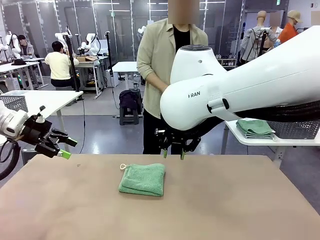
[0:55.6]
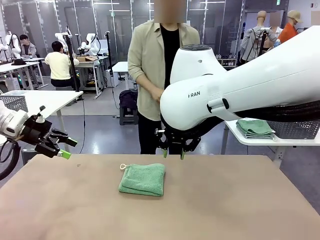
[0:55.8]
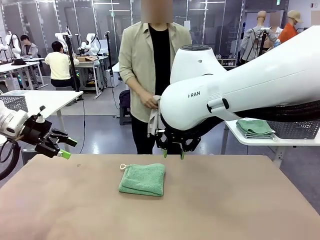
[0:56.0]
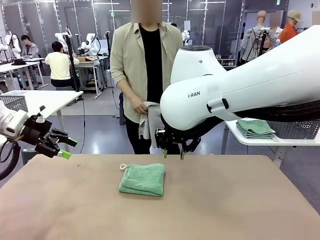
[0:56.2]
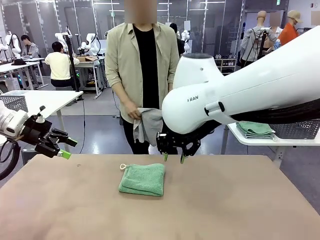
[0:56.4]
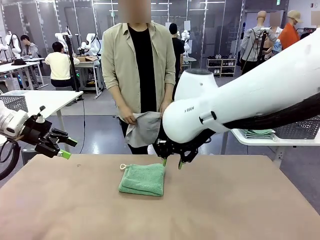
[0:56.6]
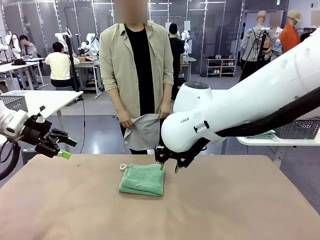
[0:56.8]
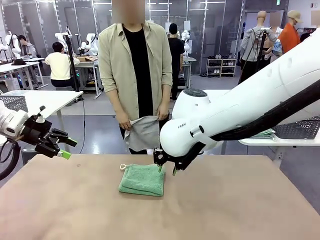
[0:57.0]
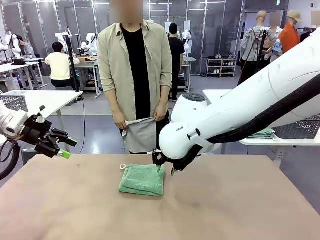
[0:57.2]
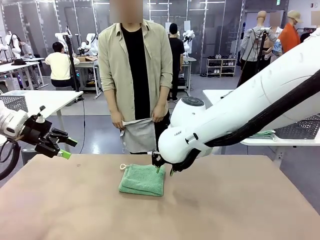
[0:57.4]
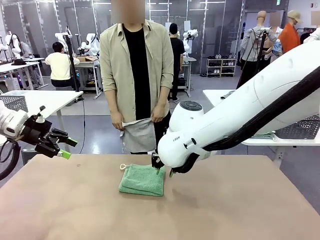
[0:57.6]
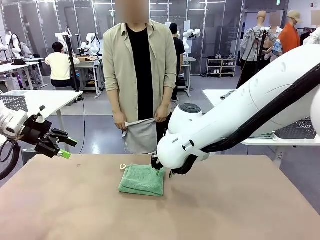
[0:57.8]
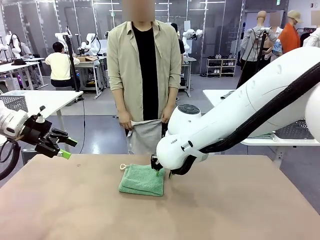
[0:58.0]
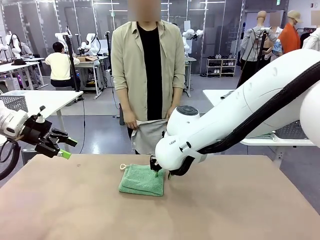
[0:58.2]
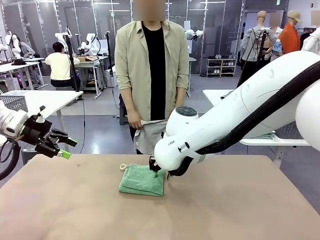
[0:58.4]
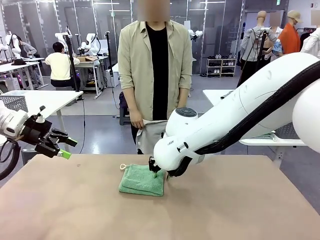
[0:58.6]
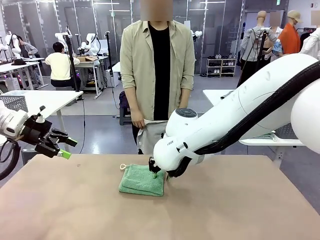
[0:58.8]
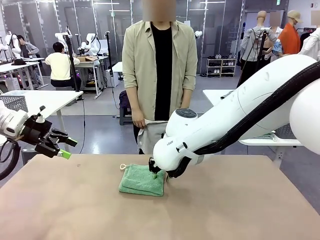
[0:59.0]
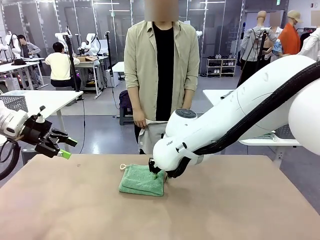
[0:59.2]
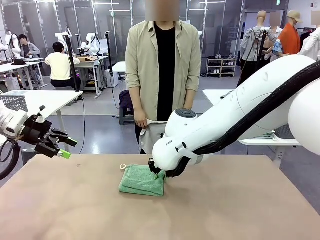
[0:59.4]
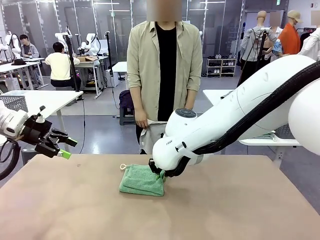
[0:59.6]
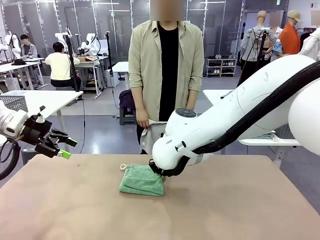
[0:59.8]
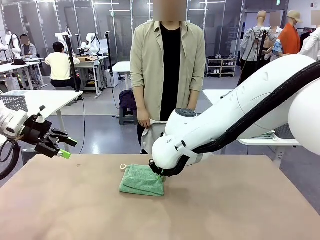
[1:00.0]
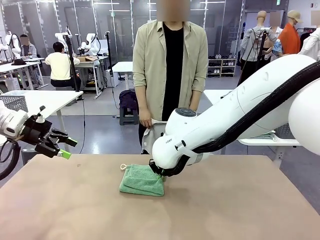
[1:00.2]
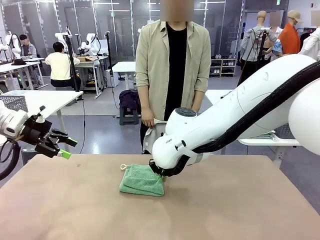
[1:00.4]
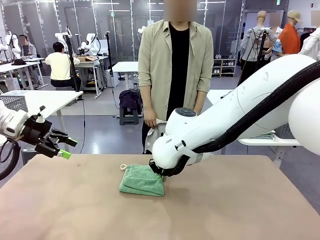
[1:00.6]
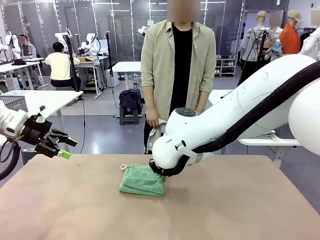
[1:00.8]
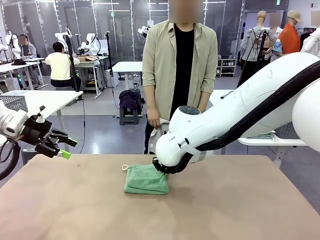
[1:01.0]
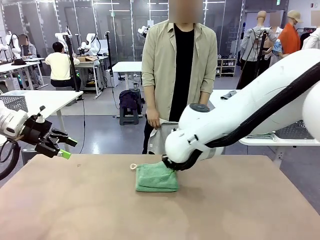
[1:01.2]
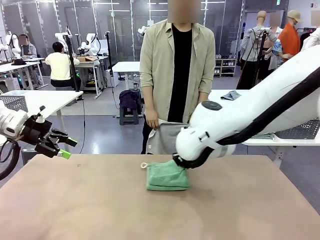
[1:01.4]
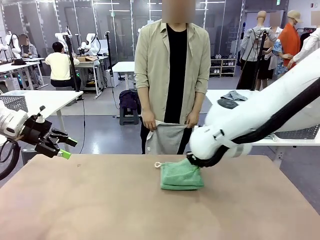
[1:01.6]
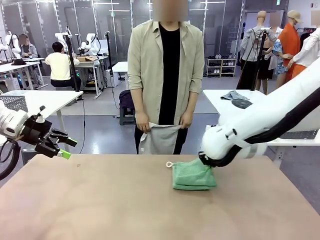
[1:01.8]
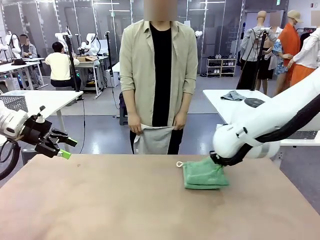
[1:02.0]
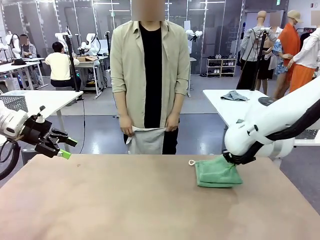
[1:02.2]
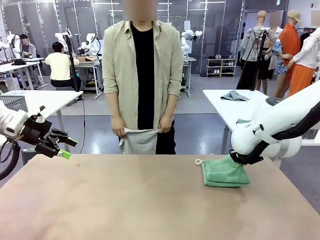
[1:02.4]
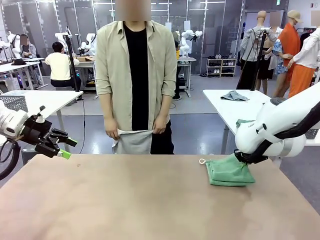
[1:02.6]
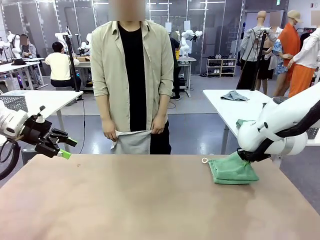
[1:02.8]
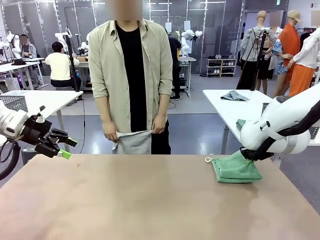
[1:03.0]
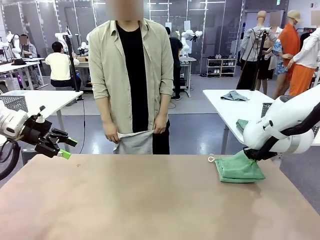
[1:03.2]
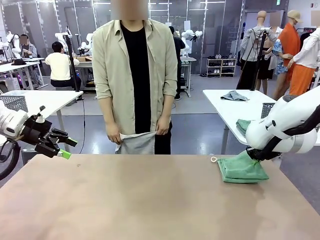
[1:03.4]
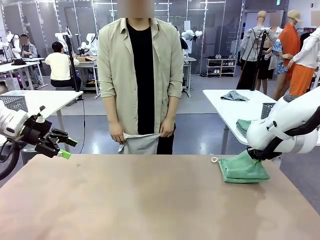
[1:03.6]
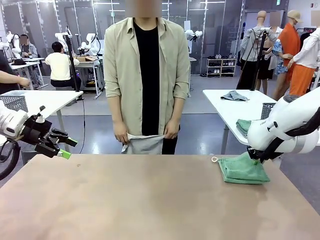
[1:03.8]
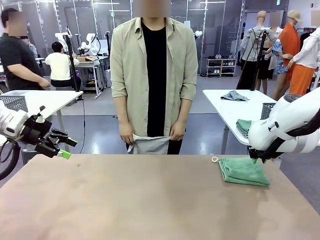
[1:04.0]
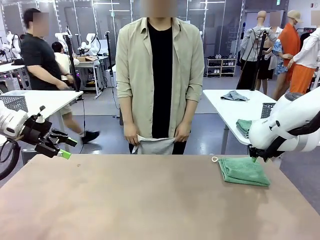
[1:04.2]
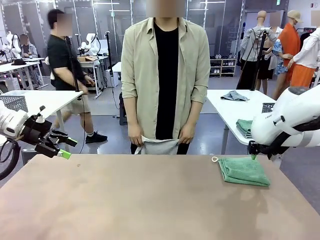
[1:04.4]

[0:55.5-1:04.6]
Task: Fold the towels and place them in the basket.
Robot: Place the folded Towel with hook on the right side of the table.

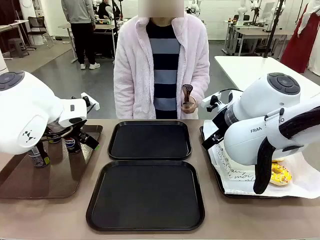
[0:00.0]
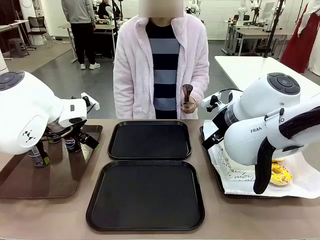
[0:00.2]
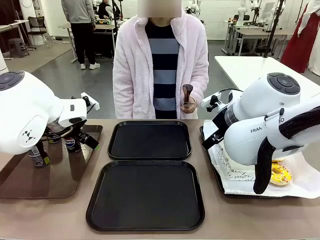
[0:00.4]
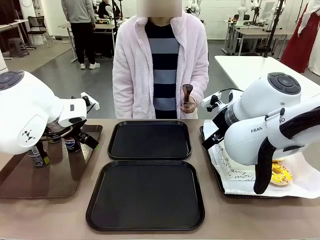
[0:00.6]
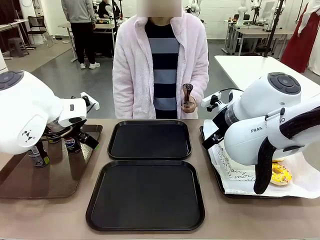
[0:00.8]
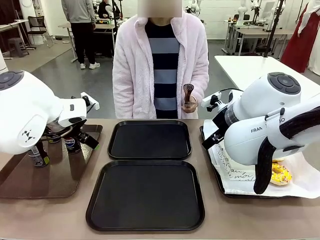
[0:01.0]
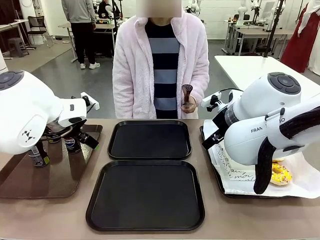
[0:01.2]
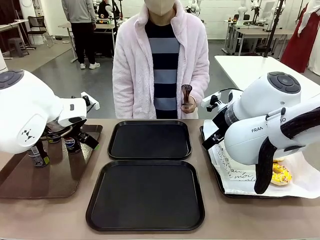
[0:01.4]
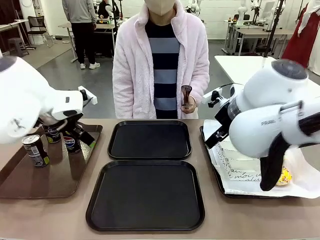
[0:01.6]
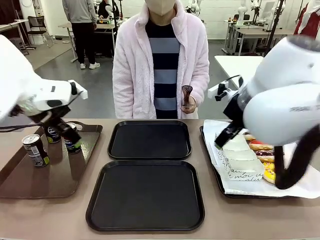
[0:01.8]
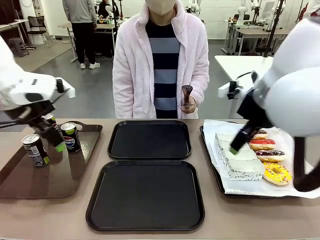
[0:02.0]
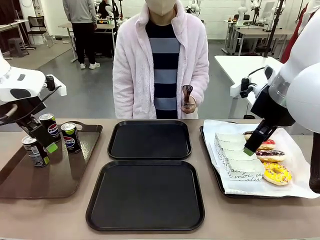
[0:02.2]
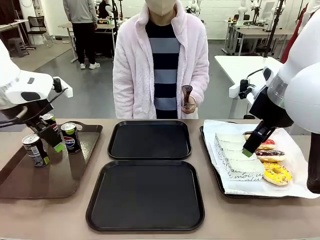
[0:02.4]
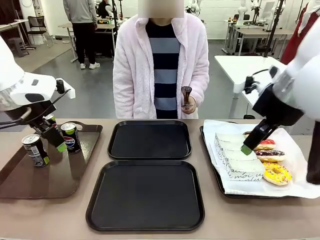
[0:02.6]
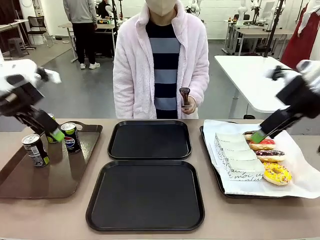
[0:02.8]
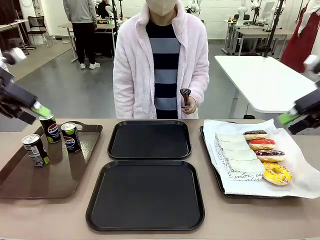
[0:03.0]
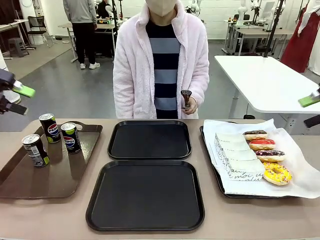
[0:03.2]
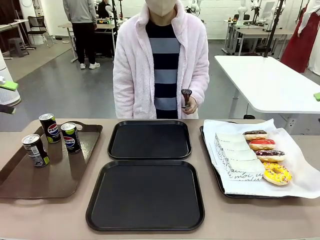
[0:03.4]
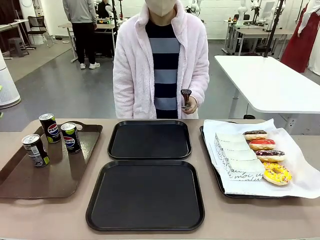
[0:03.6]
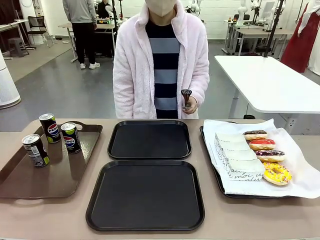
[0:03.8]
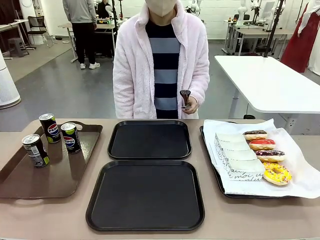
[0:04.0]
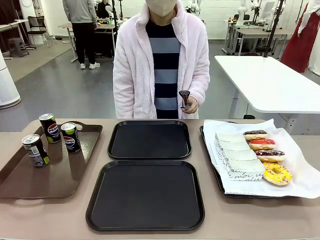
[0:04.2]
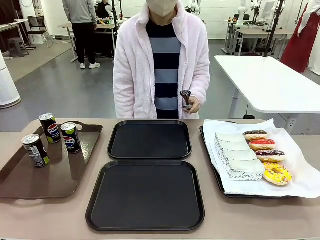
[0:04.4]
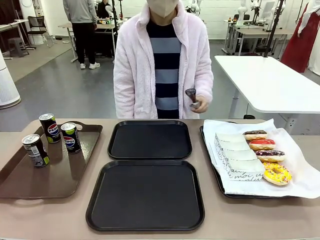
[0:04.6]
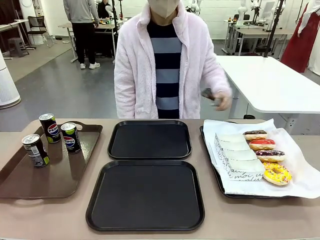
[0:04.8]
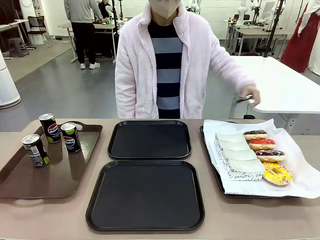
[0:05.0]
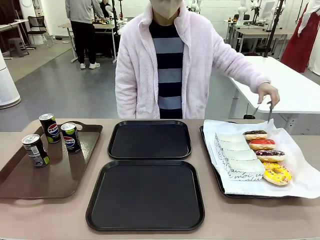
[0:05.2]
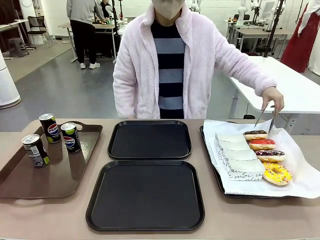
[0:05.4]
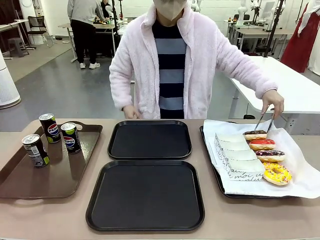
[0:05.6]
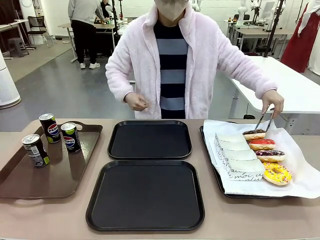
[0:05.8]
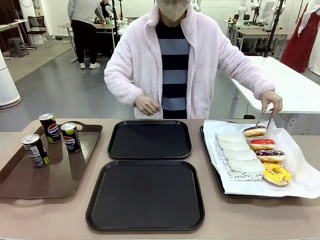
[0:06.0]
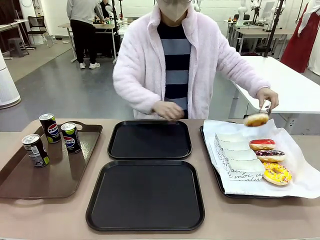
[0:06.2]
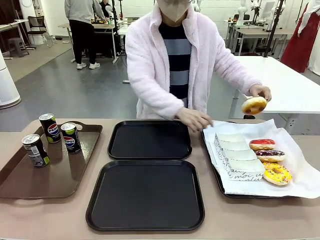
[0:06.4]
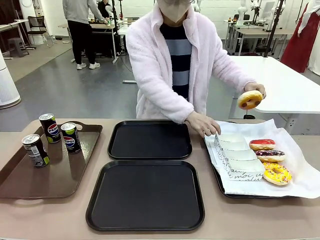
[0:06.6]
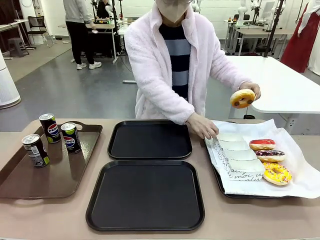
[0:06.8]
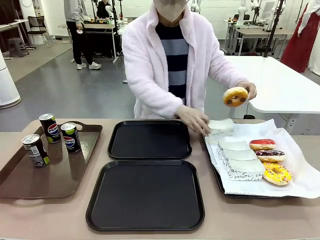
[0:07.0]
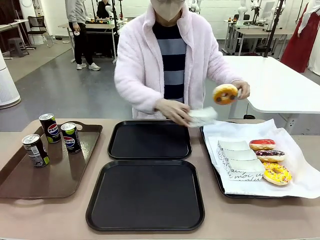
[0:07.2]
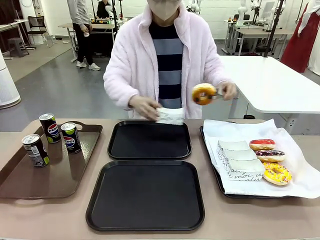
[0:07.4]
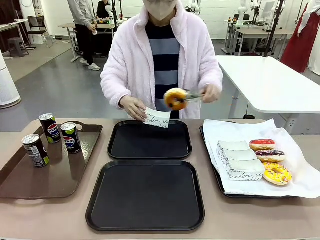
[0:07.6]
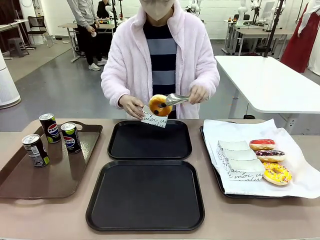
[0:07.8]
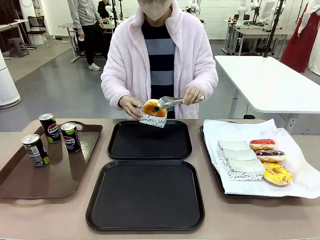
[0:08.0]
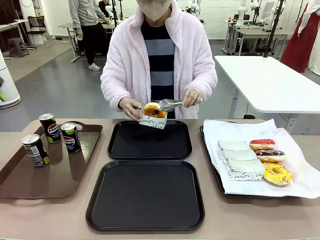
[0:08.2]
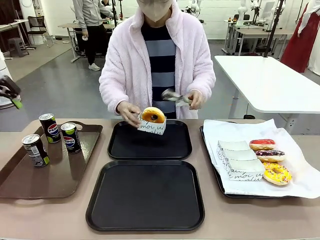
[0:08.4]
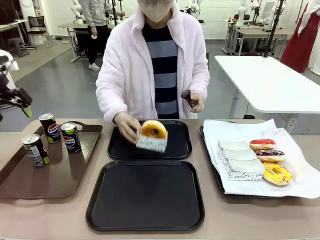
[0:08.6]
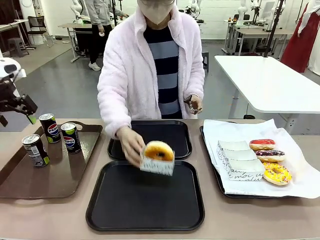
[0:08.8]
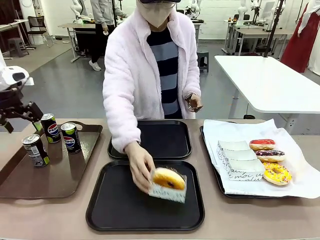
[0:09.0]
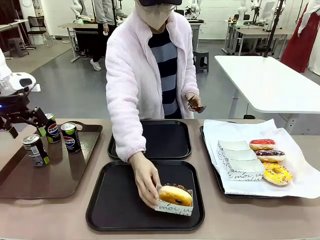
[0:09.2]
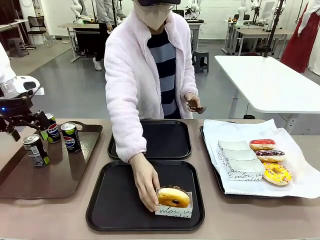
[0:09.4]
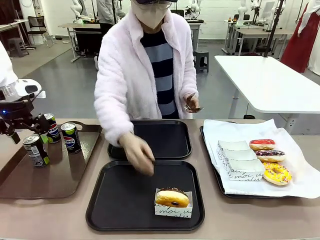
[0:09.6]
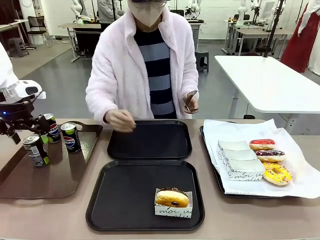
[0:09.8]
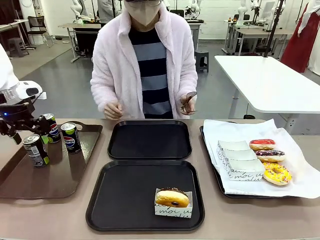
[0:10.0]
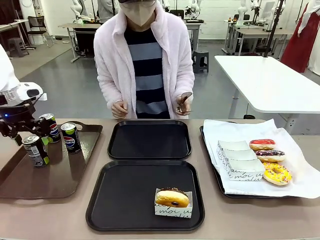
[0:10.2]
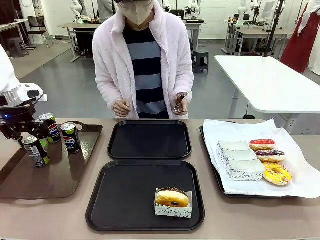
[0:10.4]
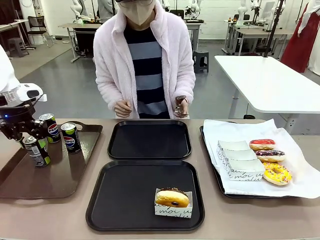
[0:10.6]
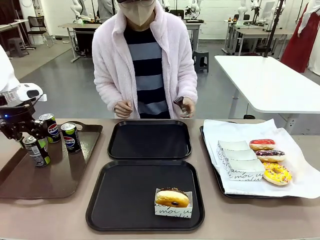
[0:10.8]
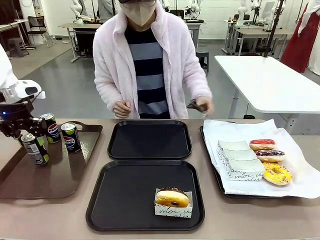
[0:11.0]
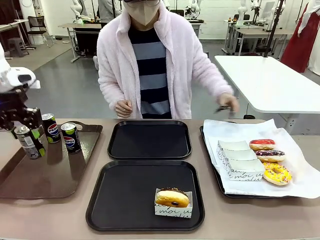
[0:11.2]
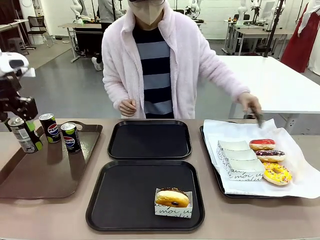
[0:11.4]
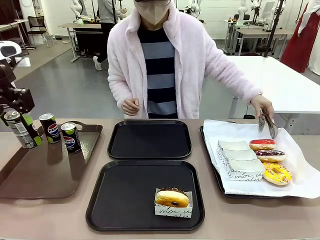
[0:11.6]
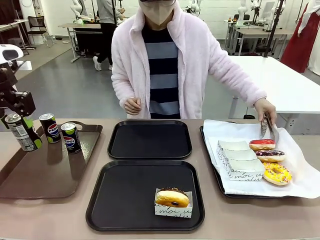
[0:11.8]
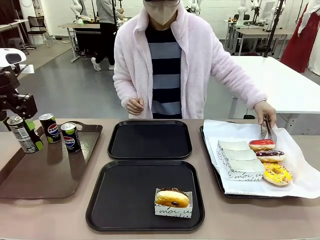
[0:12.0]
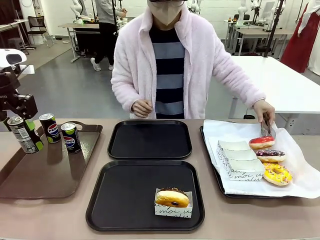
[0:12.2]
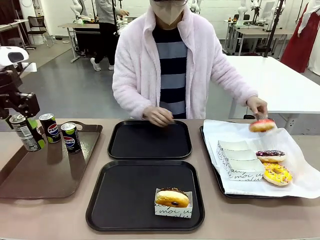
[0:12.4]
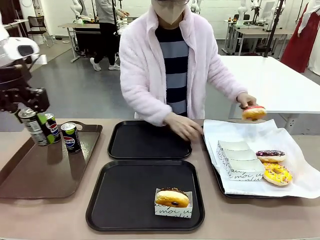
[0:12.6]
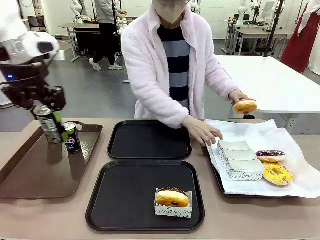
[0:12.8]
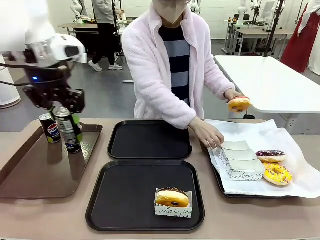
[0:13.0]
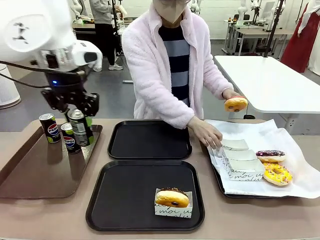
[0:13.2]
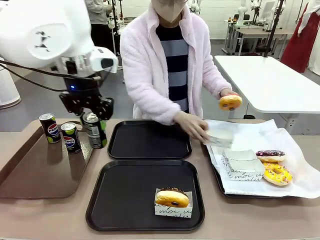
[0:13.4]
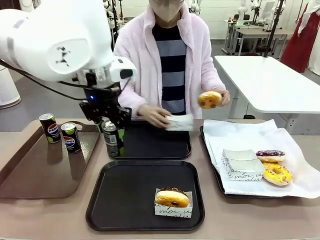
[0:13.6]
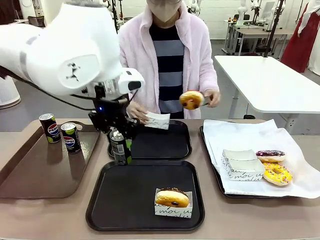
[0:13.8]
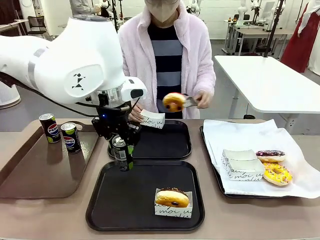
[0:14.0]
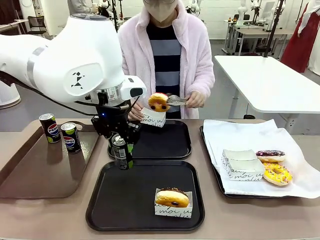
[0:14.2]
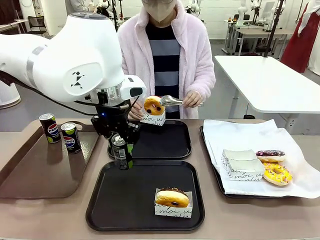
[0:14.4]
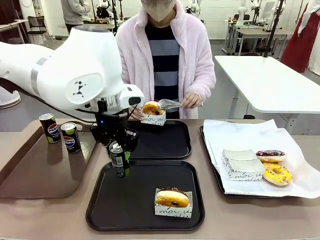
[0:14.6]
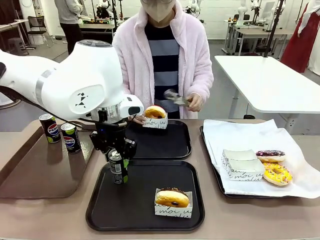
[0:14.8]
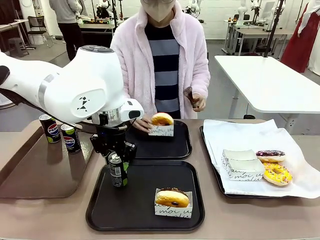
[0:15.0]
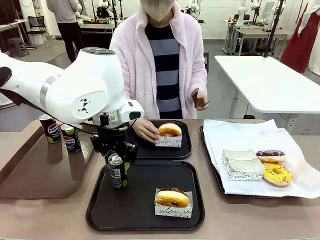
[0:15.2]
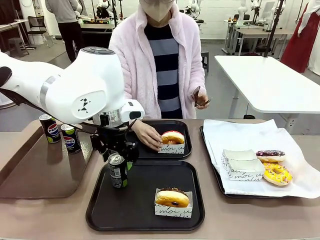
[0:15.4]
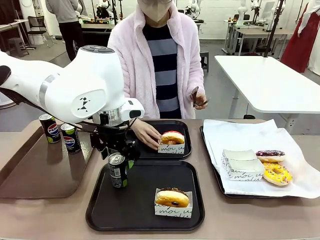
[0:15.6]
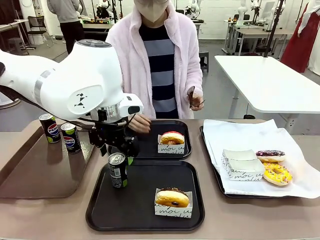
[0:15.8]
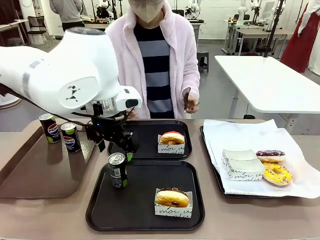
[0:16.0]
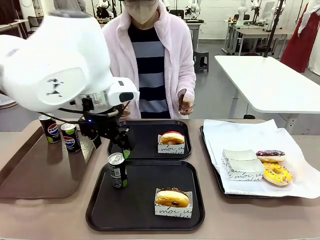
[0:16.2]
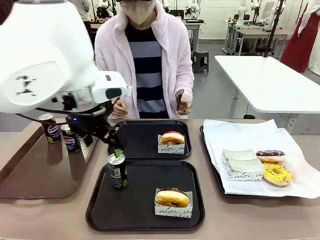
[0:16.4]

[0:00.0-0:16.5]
Task: Set up donuts and drinks on trays.
Robot: Pick up one Pepsi coke and place it on the Flat Tray.
